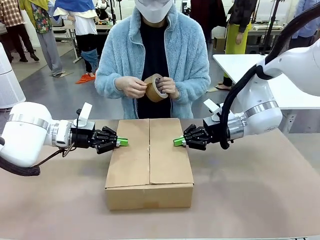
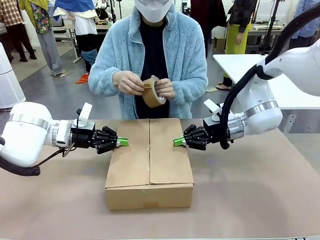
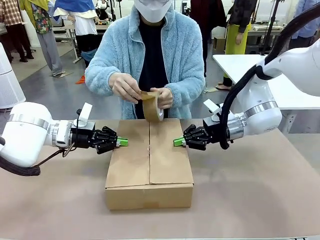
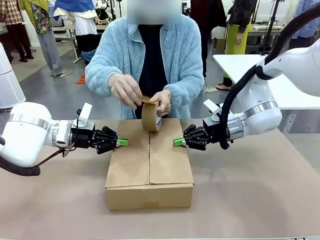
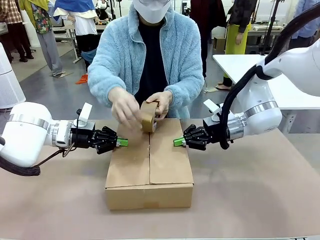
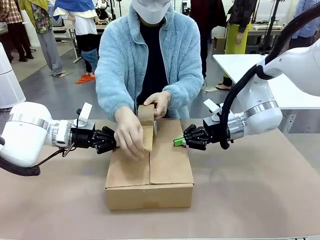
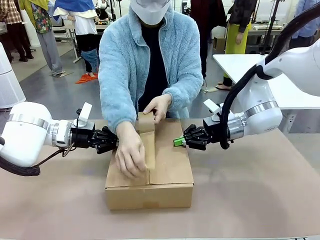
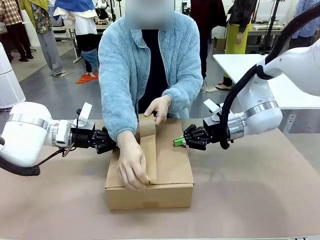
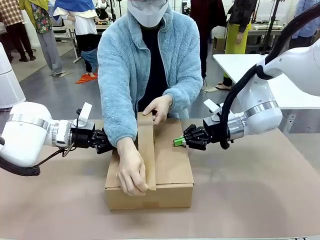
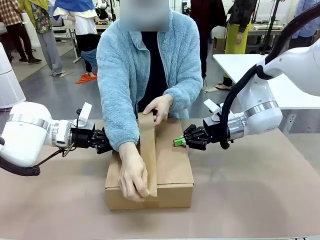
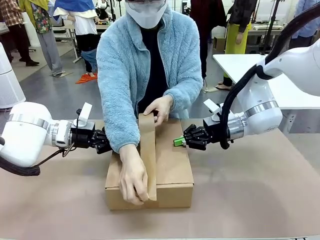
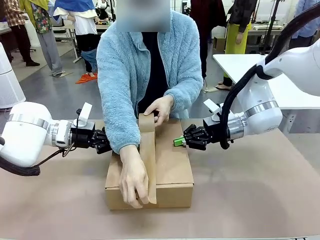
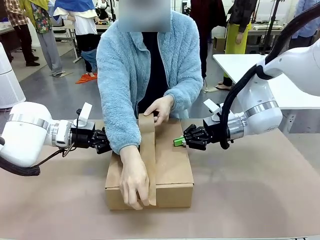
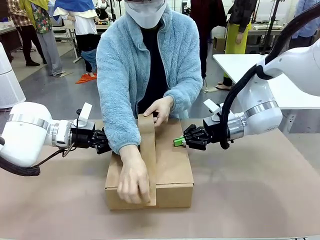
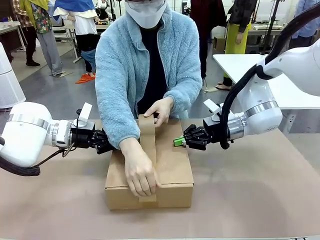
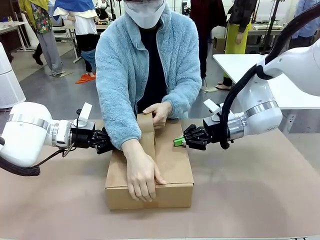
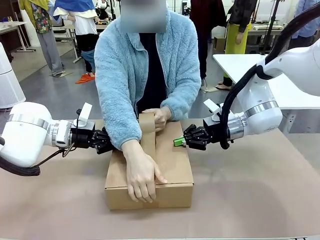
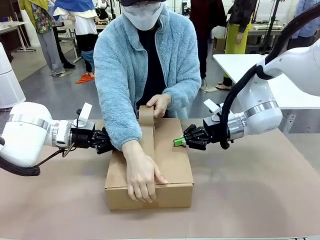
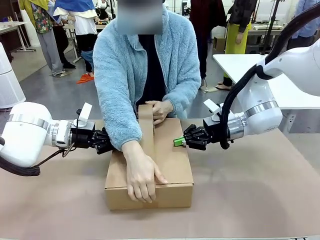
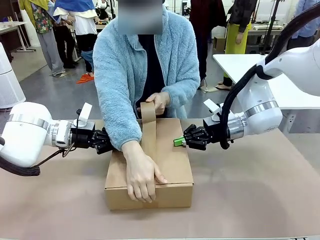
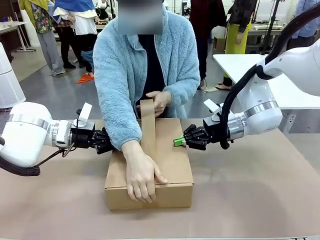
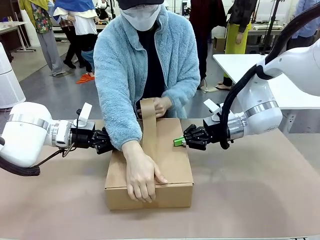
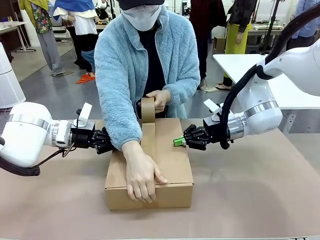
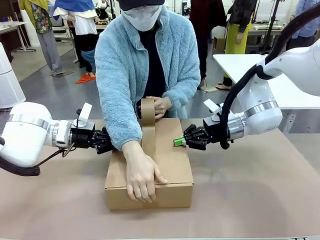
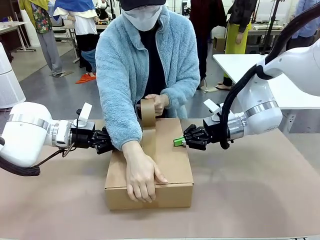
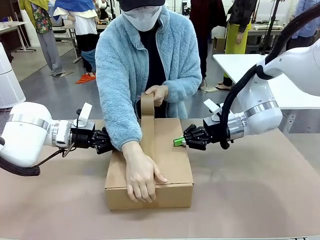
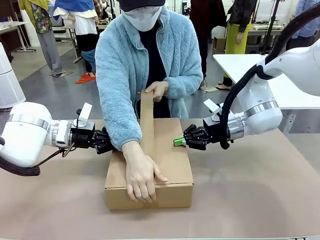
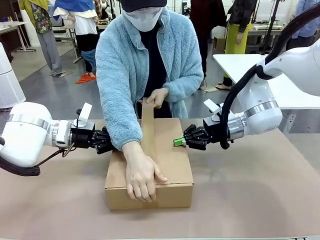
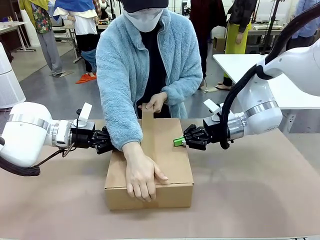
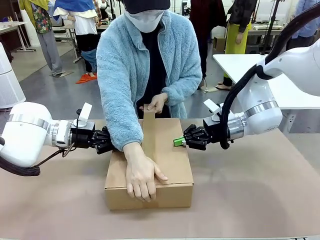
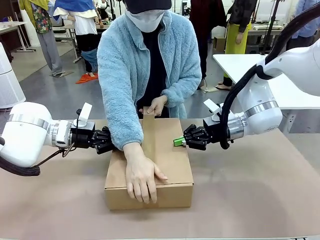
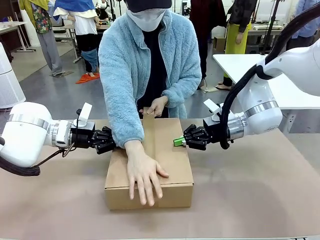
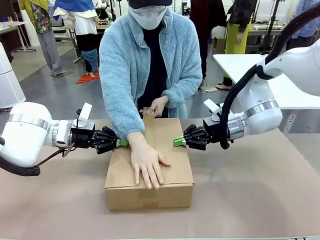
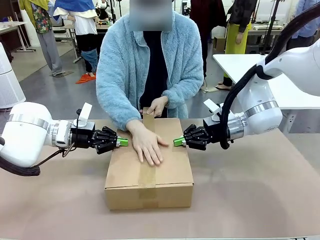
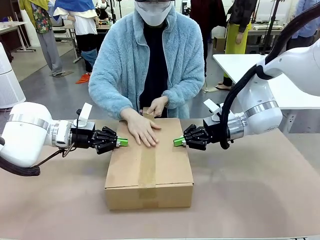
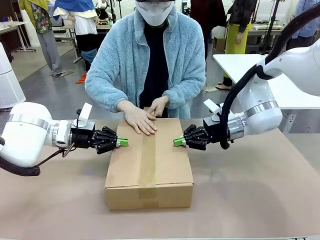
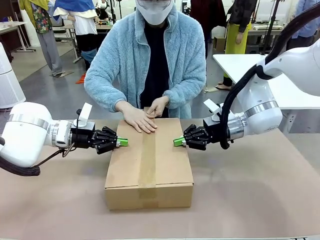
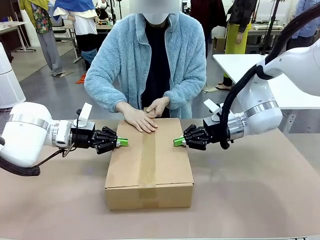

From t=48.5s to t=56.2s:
Task: Wrap the clocks to prevent damage.
Robot: Push the left (or right) flap of the Package Box to close it.

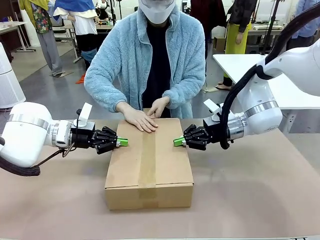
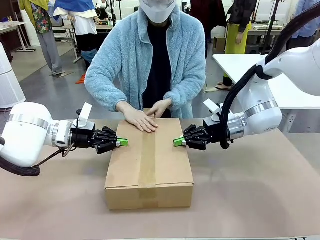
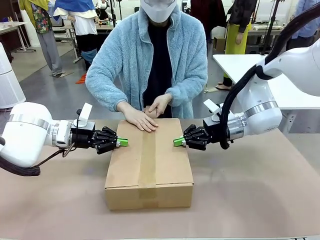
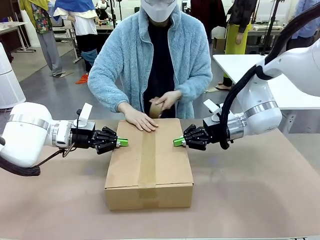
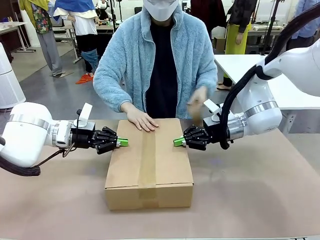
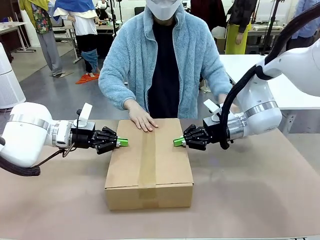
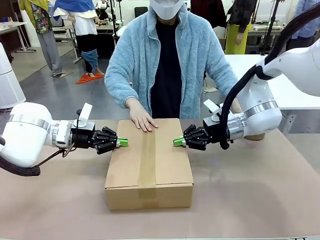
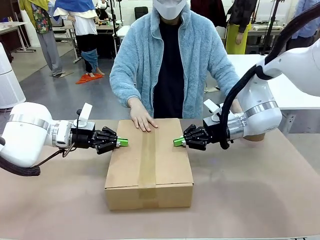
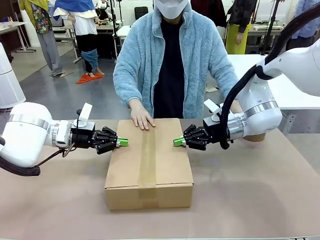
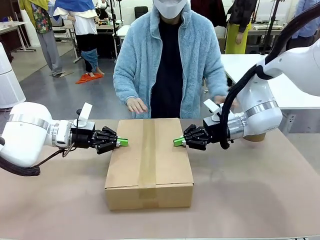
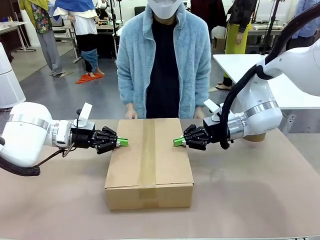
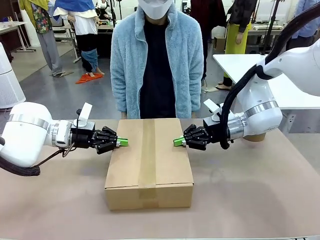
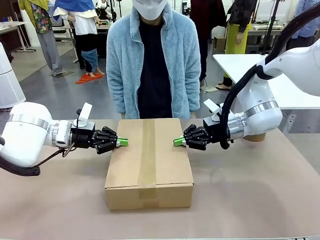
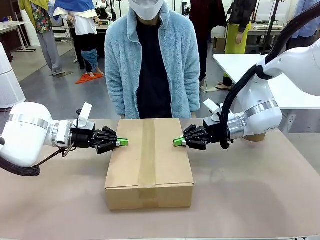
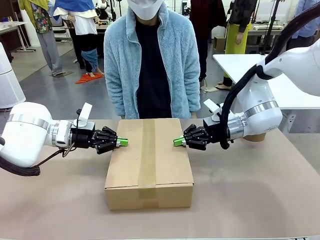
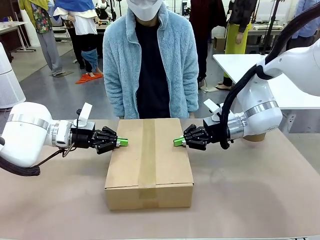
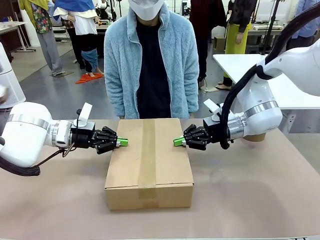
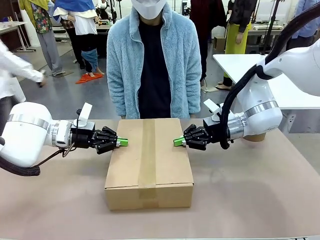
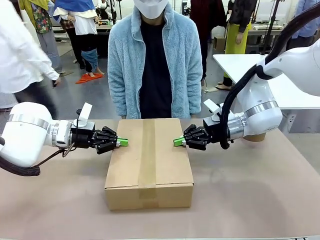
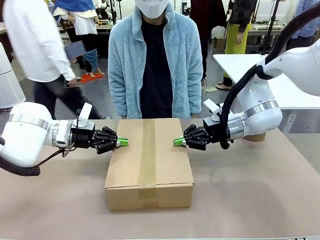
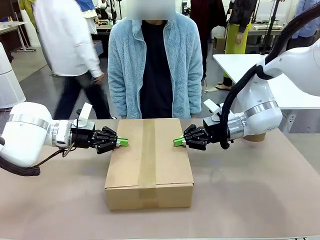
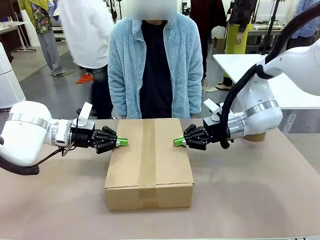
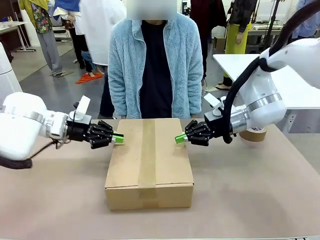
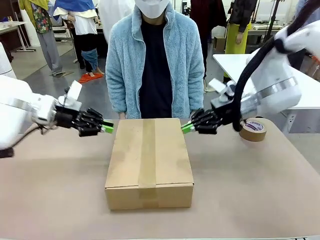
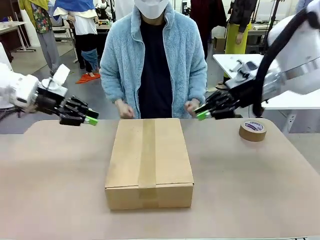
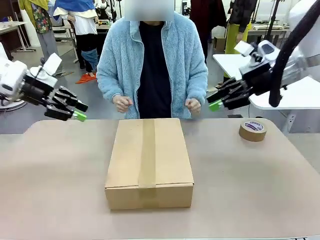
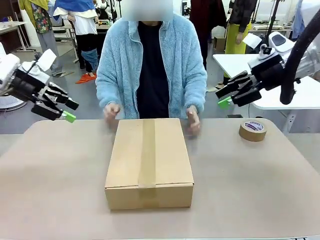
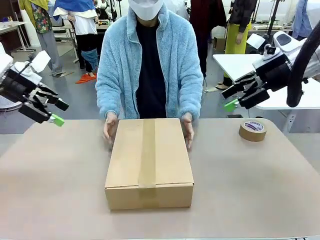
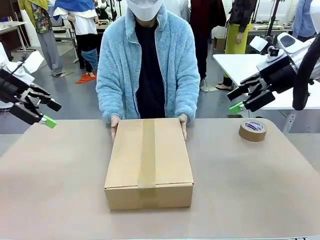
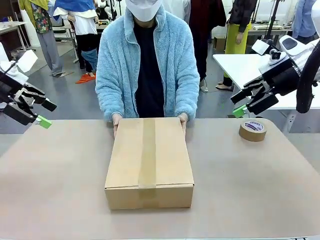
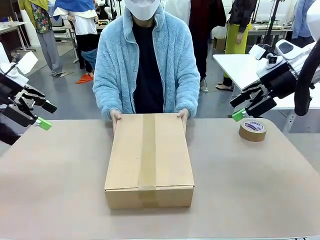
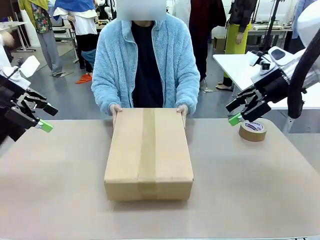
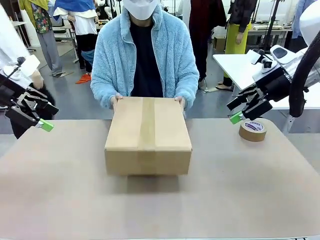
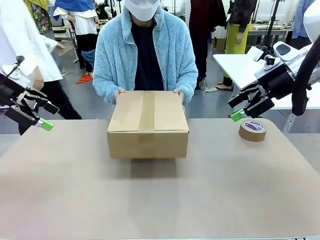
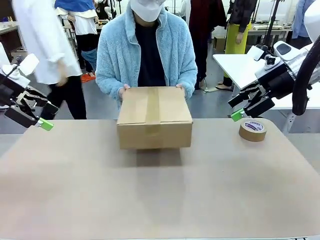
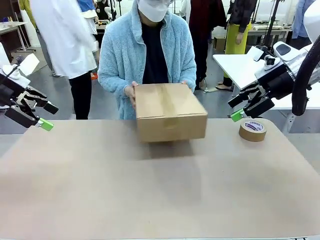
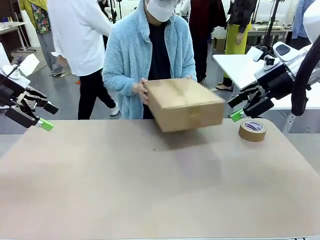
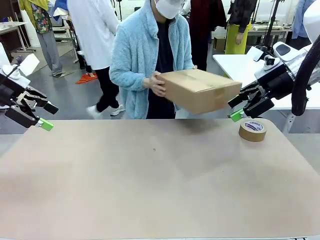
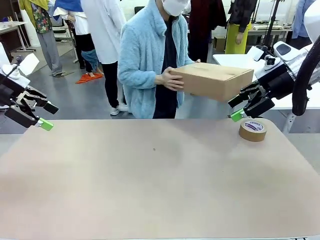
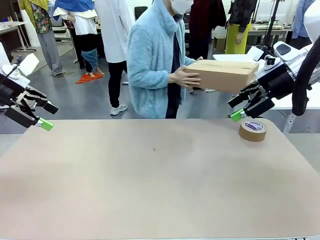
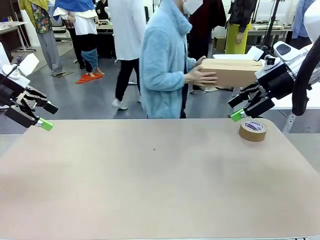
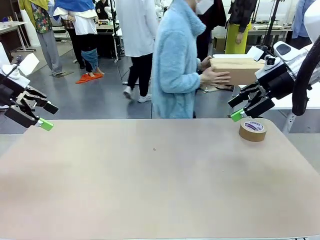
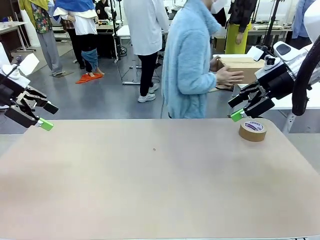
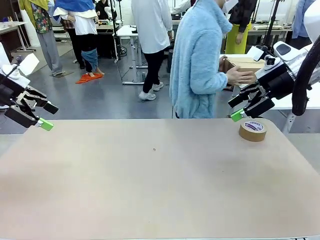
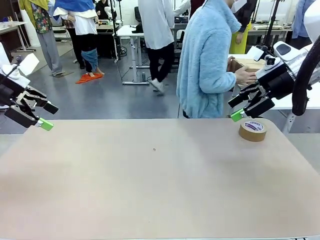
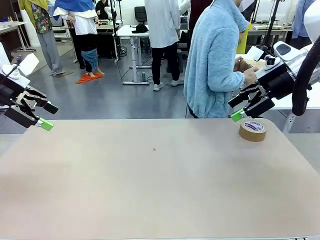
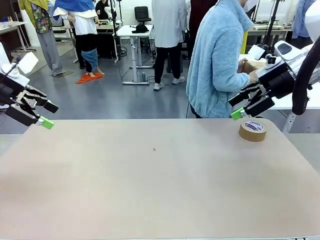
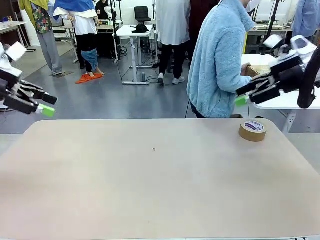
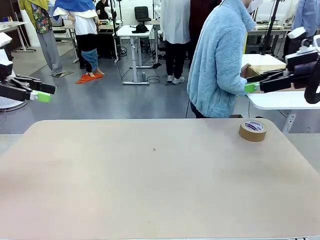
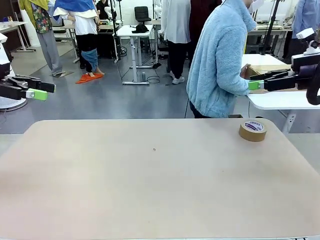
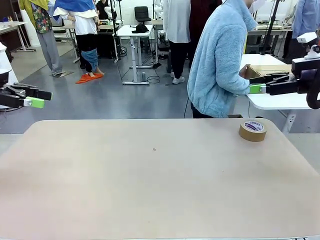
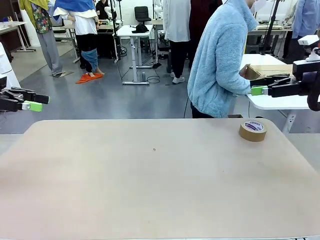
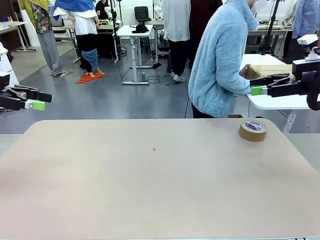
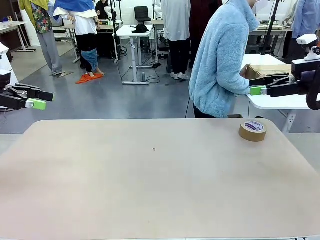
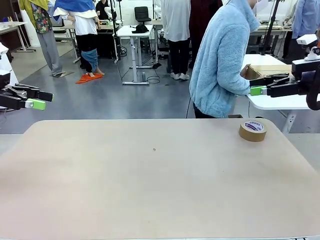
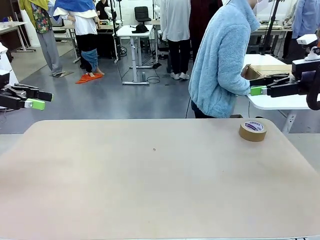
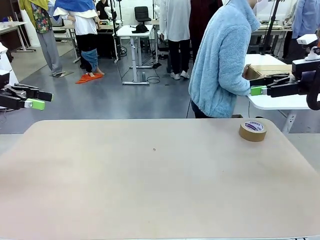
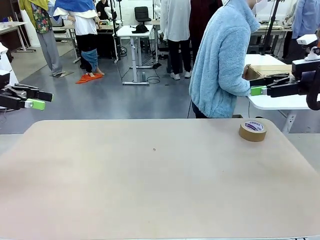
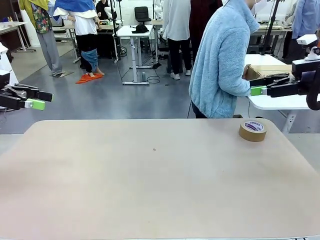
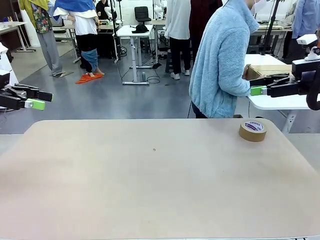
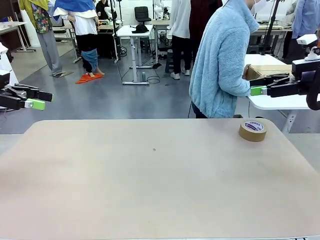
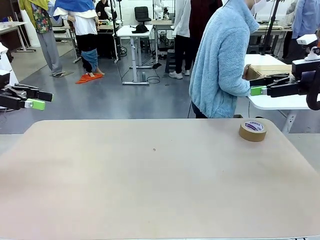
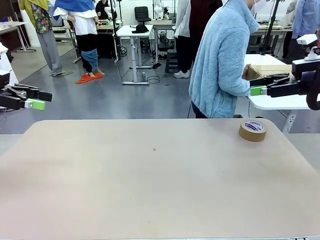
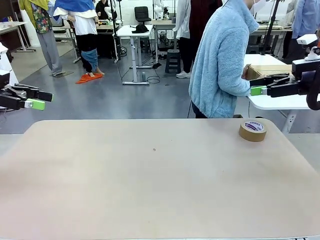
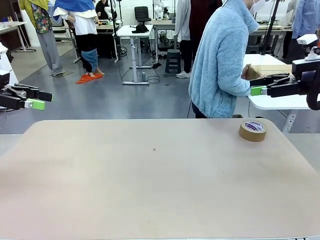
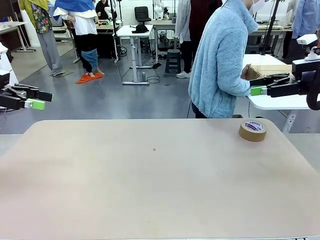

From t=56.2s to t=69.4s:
Robot: After the human seals the box with tape, release both hands from the side flaps of the Package Box.
Person: Place sealed Package Box in the middle of the human's table.
